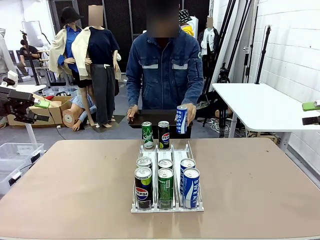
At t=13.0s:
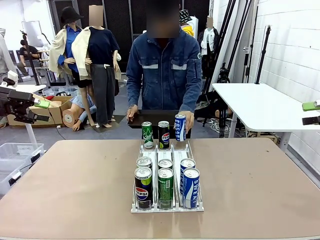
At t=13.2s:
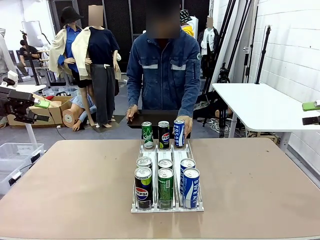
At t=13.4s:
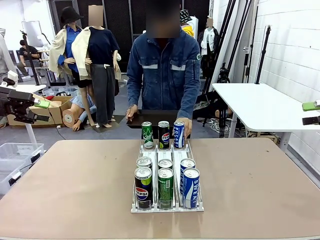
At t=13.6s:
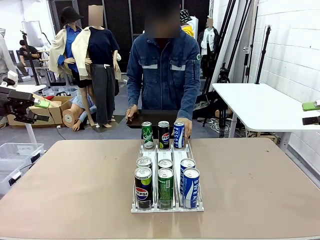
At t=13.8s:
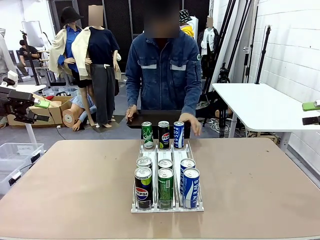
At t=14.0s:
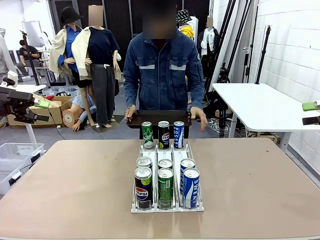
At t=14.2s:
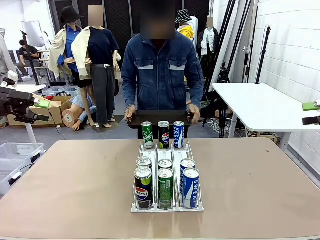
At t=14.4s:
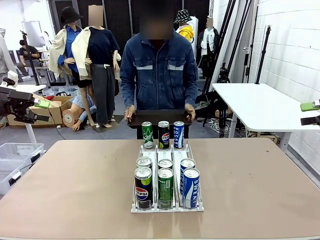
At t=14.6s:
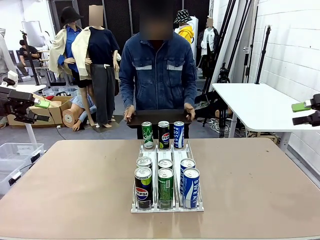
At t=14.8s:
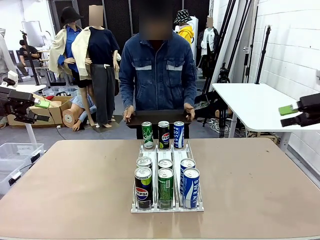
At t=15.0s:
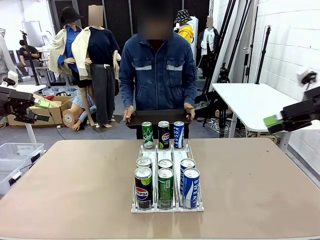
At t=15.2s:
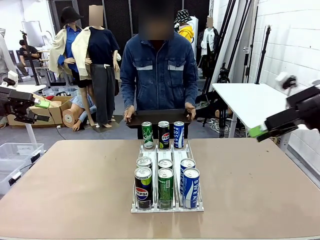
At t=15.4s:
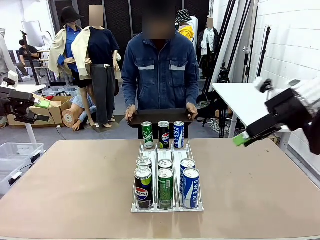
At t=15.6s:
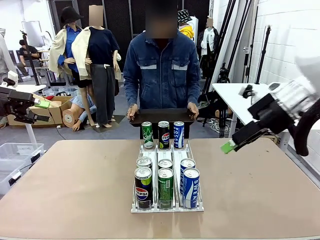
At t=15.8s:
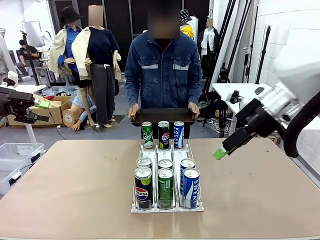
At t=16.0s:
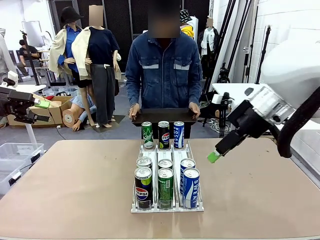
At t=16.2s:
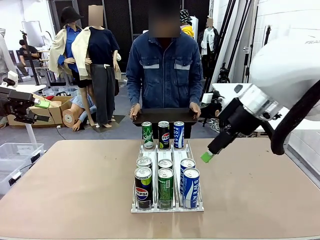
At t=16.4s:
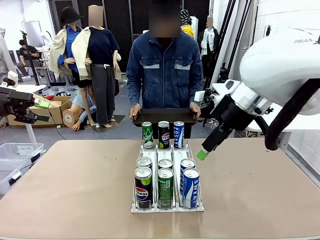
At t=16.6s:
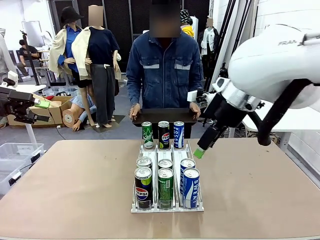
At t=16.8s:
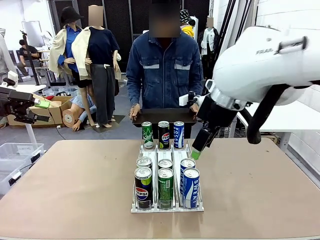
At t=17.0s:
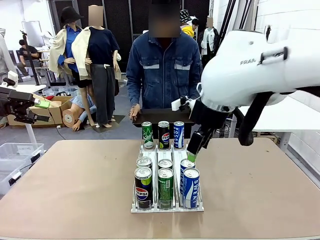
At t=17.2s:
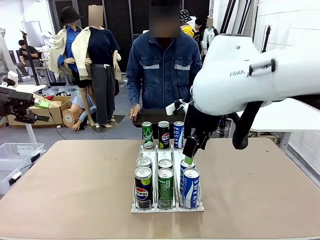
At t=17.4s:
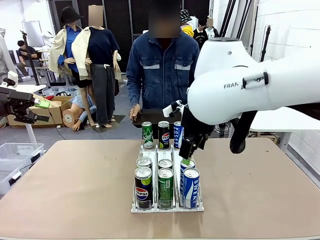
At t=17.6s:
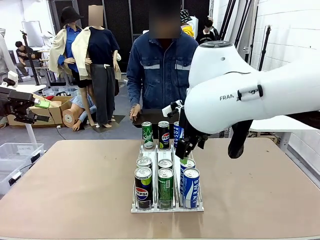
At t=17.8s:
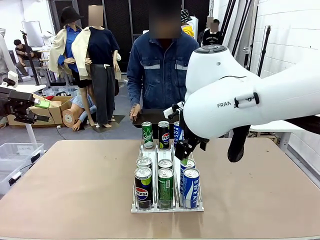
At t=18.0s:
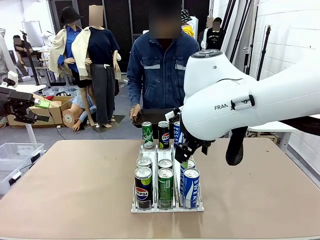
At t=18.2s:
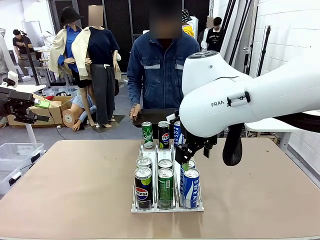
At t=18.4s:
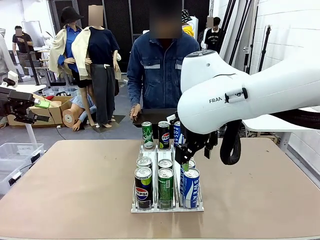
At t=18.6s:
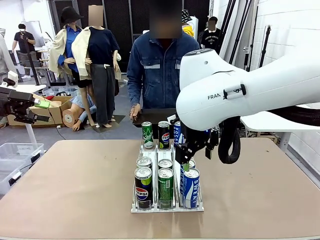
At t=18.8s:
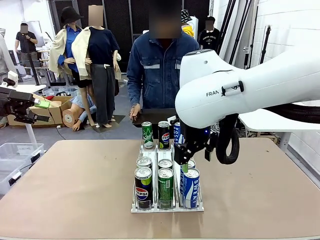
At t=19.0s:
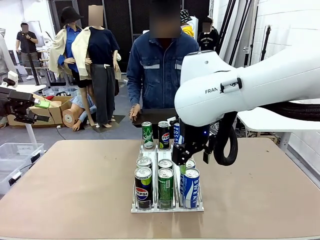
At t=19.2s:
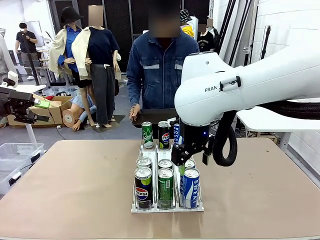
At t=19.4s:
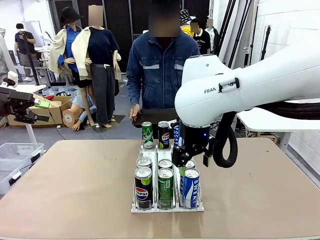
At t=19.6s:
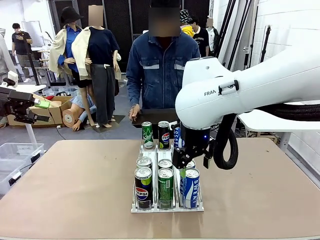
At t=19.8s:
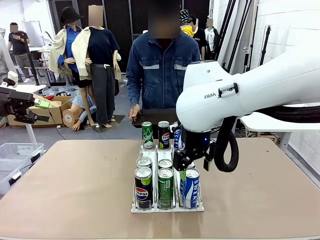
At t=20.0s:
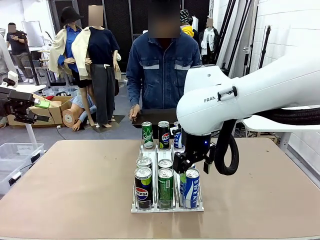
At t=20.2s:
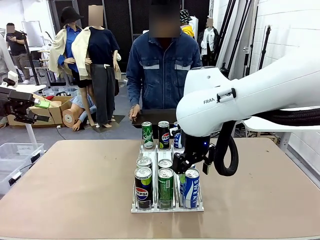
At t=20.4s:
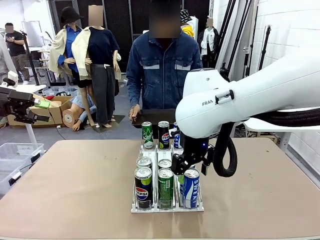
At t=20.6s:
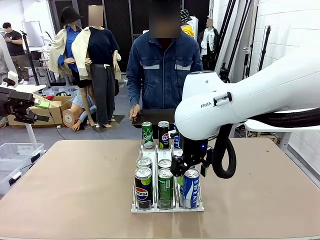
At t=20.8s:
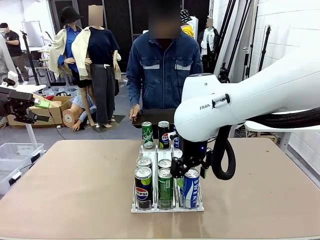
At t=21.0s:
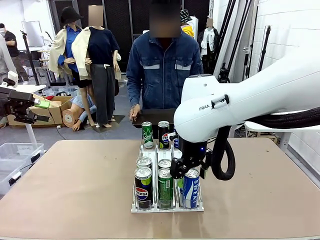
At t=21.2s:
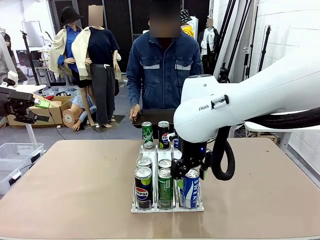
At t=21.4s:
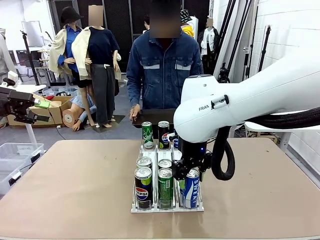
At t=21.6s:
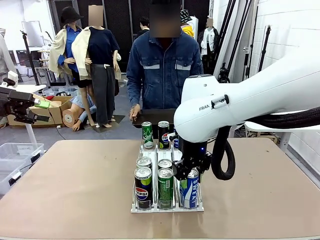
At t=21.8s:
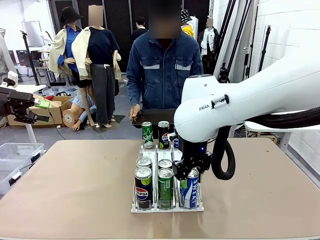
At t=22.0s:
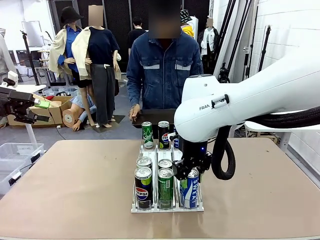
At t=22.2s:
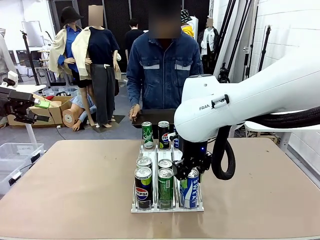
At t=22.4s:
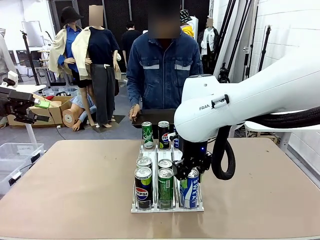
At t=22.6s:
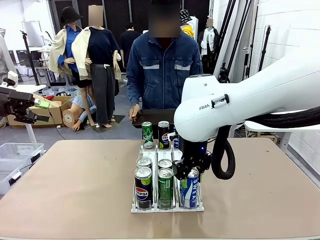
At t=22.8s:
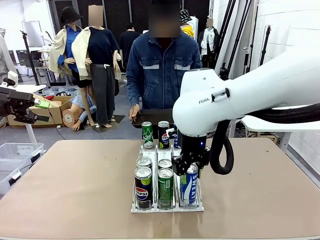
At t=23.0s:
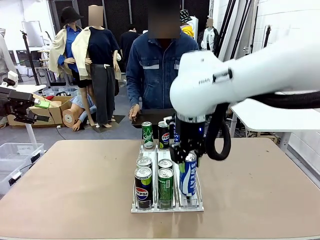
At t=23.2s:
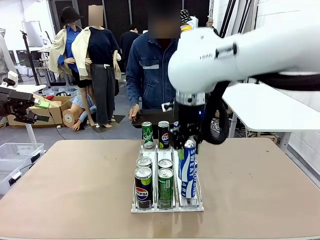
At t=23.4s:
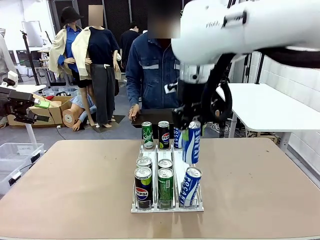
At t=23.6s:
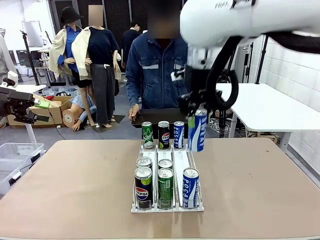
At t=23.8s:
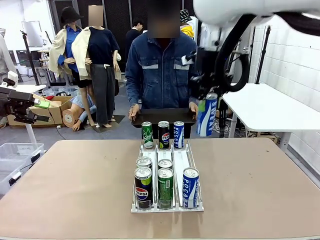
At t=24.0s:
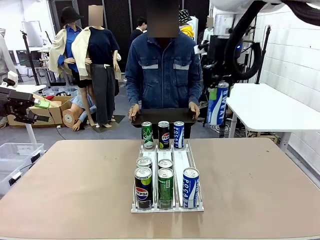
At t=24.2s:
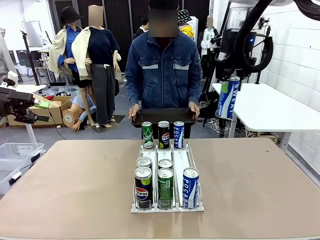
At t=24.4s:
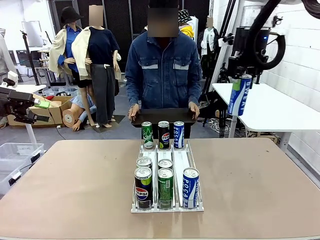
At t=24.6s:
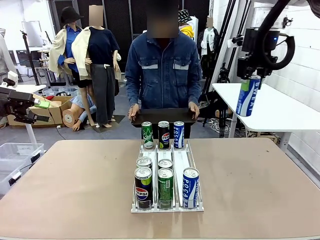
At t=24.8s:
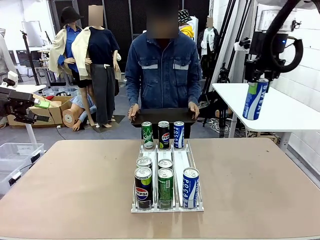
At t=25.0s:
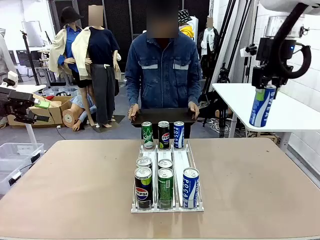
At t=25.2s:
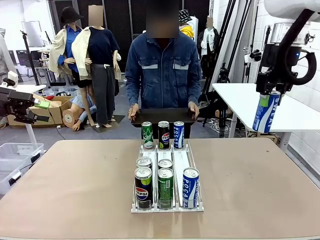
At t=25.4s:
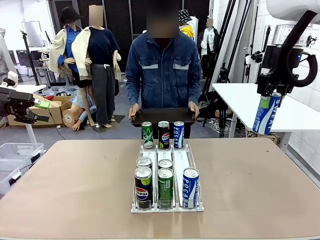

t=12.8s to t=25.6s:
Task: Retrieve and hand over the desired beverage to the person.
Robot: Pick up a can of the same type that the person held from the Automatic Can Dispenser.
Person: Push the tray toward the robot.

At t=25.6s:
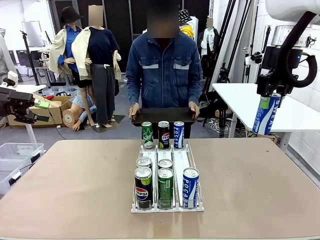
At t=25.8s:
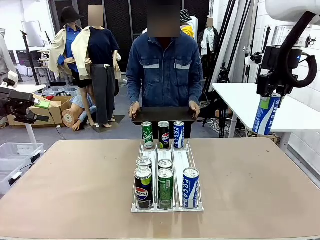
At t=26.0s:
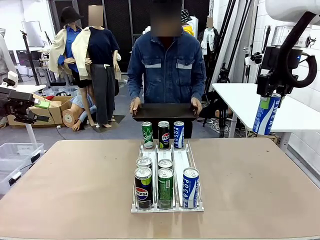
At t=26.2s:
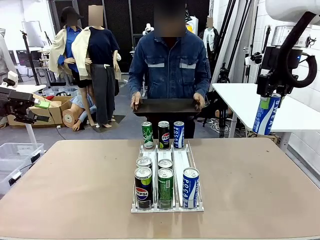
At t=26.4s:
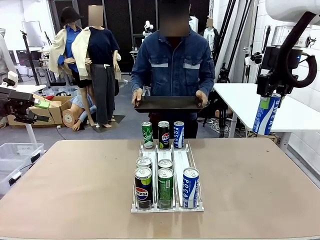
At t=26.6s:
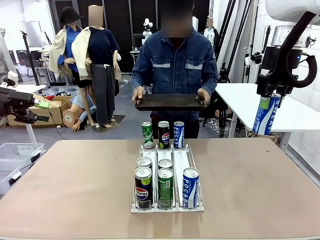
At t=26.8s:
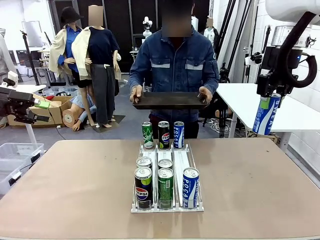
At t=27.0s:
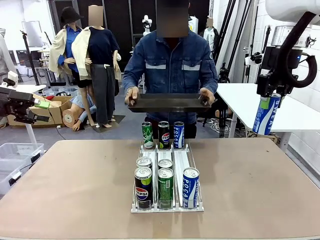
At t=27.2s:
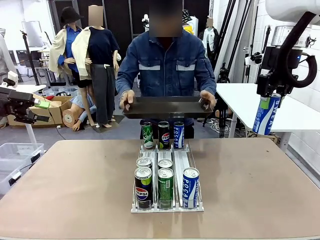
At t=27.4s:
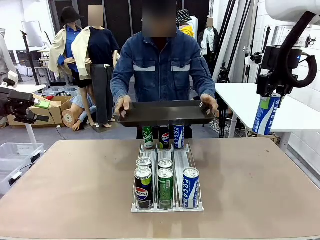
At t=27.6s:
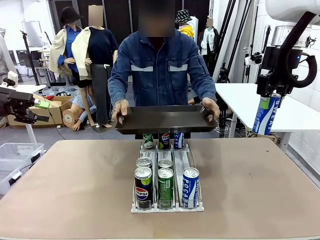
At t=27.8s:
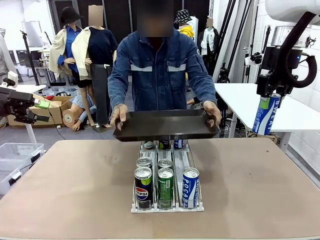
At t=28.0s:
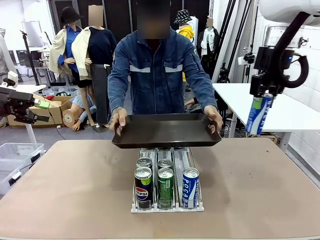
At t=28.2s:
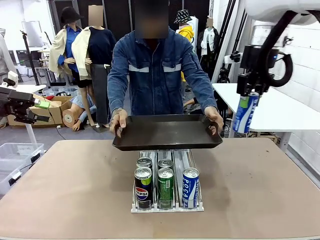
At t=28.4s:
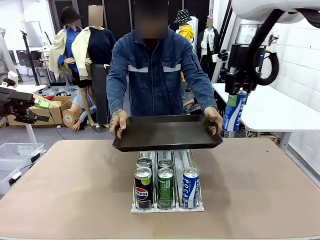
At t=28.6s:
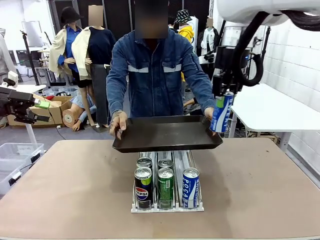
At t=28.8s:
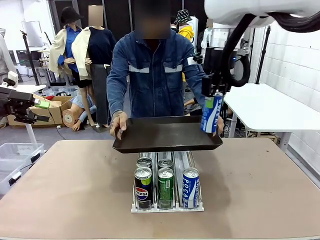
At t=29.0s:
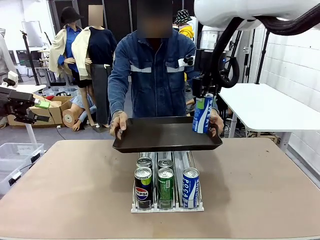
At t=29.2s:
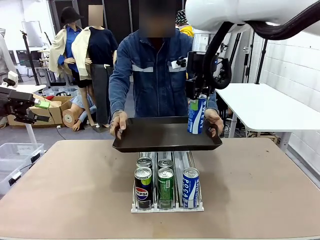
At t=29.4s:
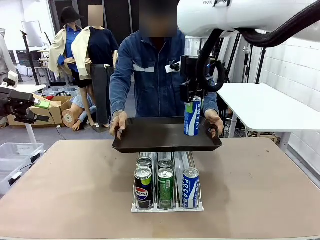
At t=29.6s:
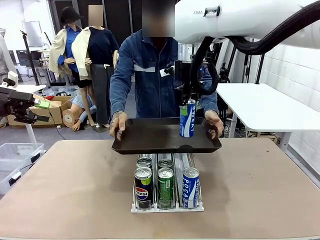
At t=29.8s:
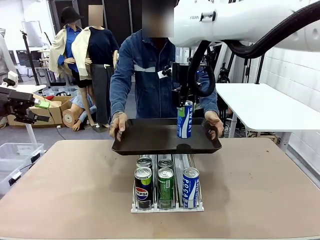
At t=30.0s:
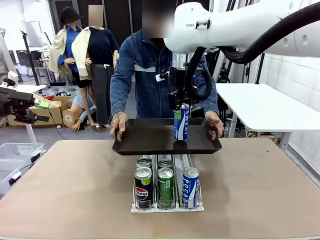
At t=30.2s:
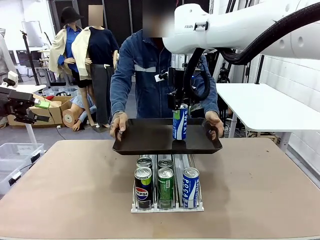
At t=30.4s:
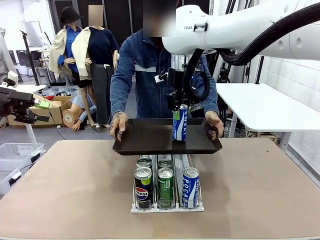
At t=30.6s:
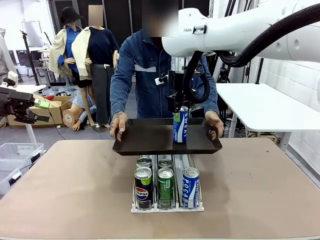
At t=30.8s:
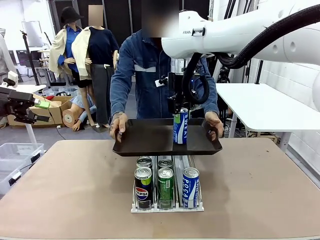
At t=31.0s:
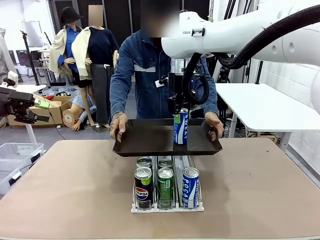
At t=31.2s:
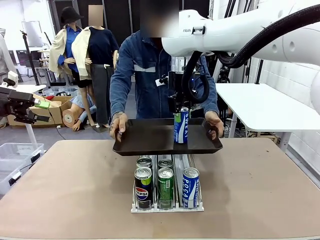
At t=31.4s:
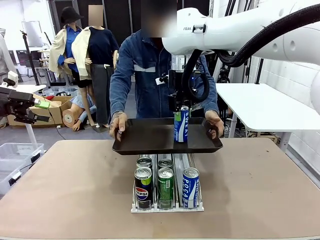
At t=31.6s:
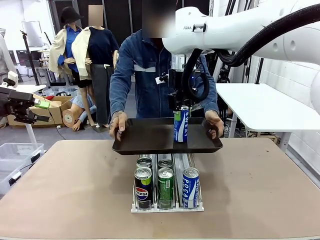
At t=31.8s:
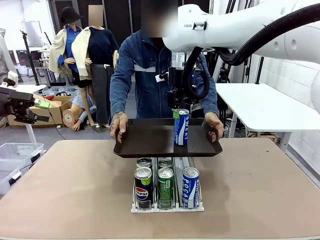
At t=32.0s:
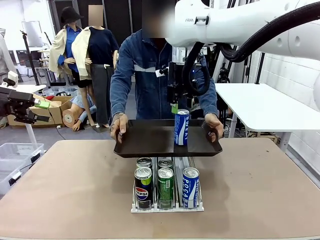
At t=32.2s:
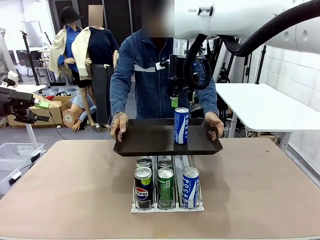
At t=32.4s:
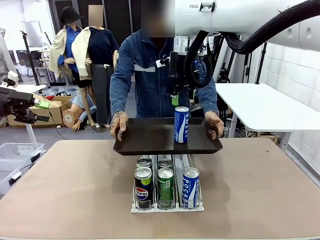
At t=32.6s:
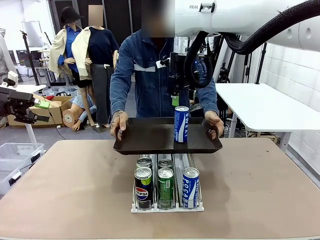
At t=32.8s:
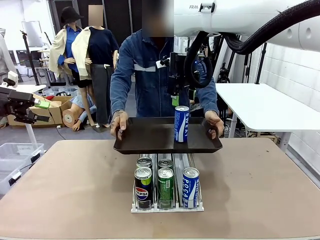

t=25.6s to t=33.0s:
Robot: Place the picked can on the Handle tray extended by the person.
